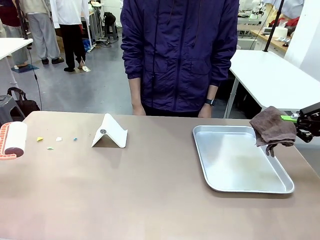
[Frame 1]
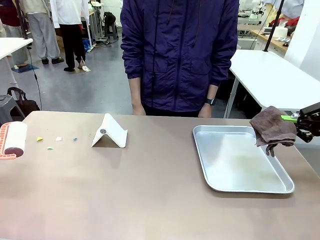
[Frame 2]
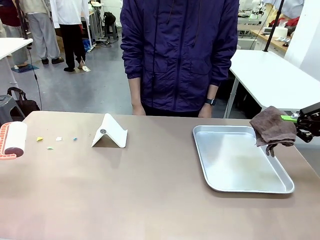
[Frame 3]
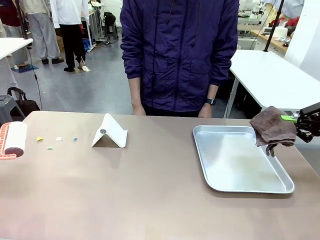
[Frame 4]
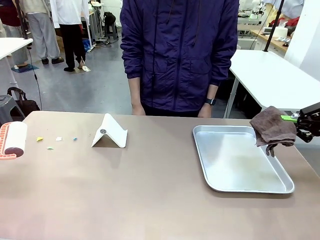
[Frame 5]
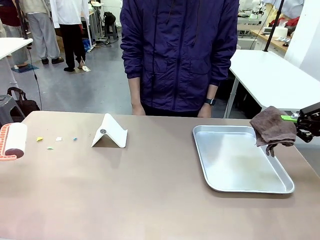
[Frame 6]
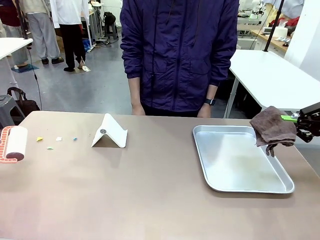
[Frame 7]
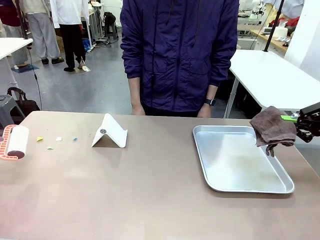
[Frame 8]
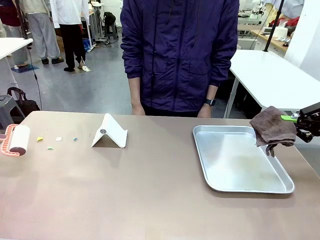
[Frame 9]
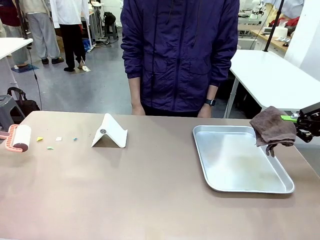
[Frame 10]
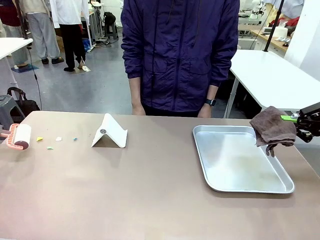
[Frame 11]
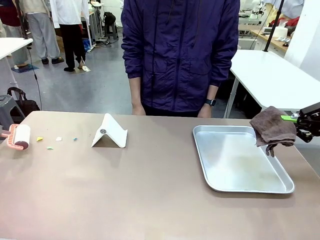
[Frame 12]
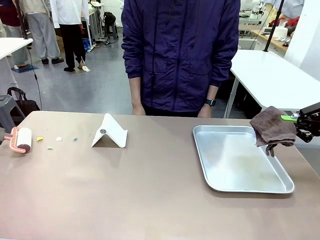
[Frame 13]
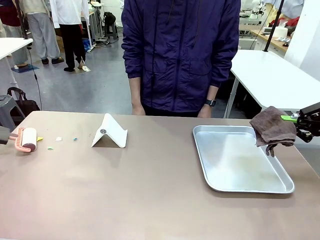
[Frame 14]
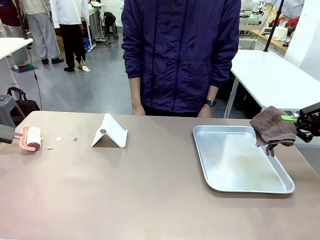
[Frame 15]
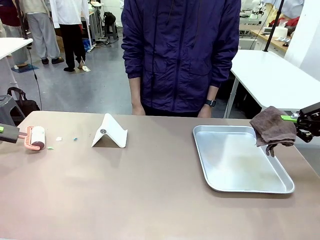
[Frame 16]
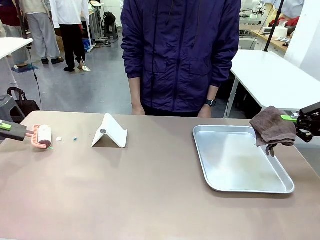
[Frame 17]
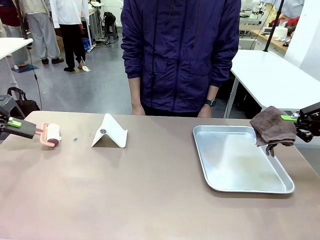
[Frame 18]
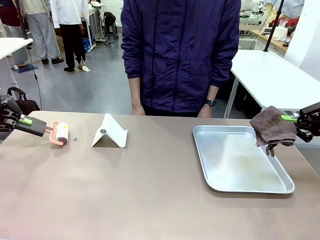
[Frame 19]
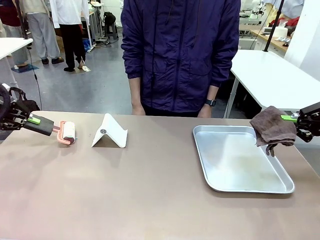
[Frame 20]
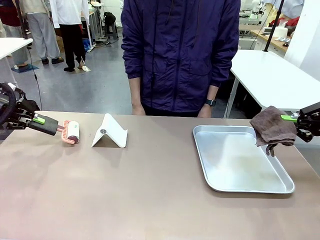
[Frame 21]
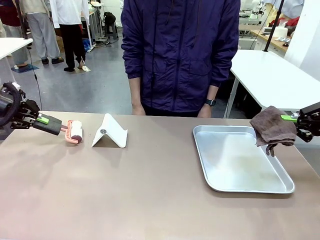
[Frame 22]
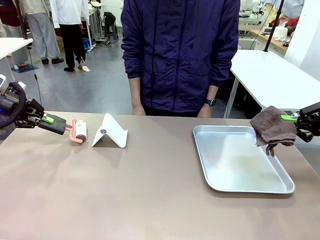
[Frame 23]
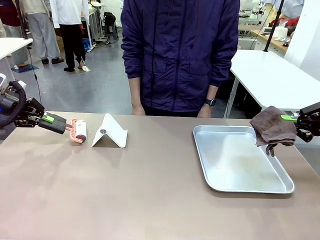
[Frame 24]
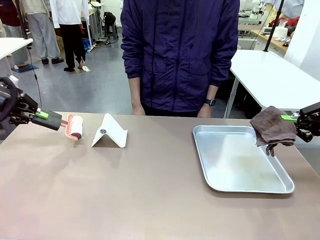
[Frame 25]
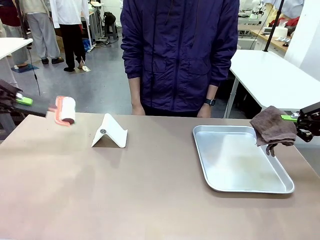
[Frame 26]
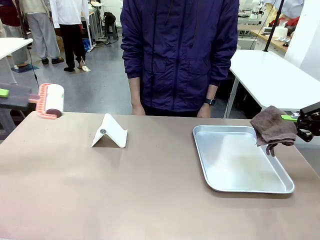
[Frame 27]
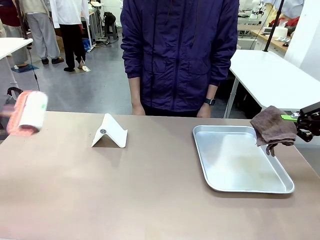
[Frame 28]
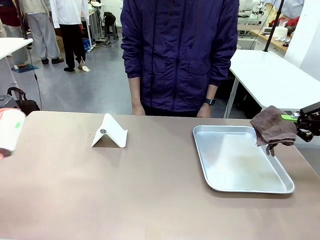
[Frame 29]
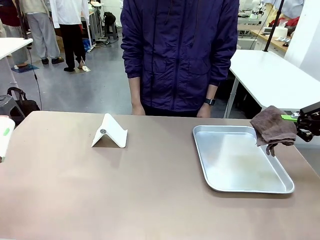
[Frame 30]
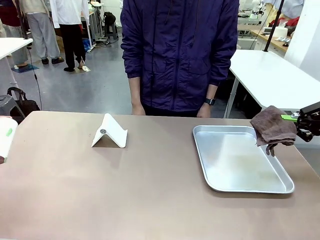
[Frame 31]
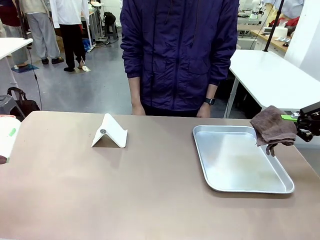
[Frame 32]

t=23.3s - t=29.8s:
Task: Clean the surface of the table.
Robot: Clean the area not pointed to by the person.

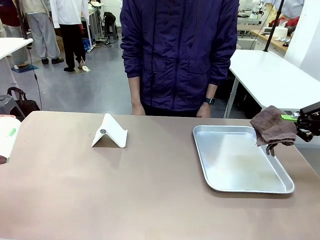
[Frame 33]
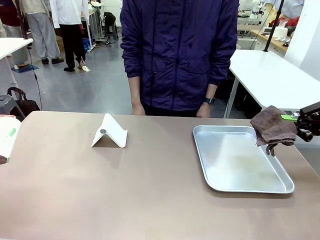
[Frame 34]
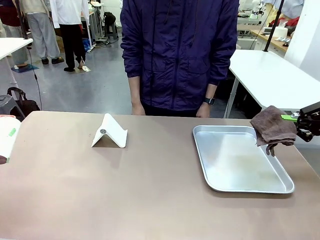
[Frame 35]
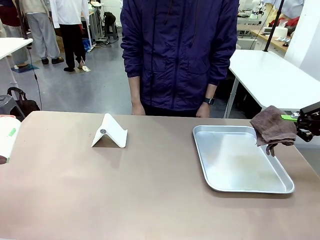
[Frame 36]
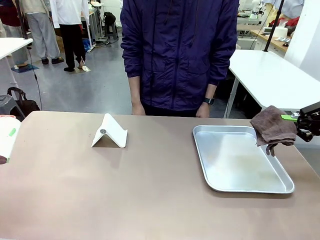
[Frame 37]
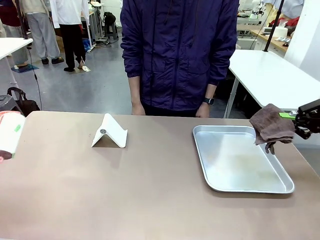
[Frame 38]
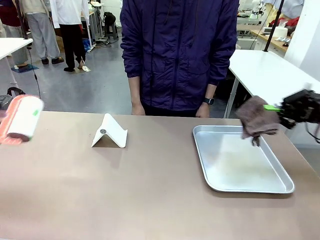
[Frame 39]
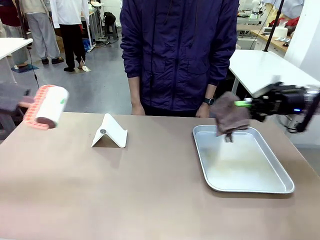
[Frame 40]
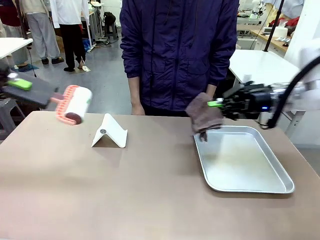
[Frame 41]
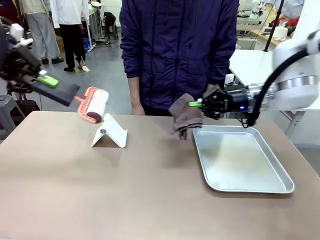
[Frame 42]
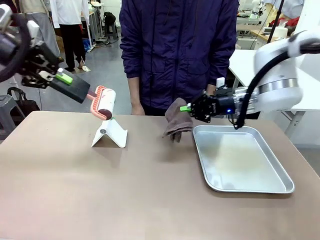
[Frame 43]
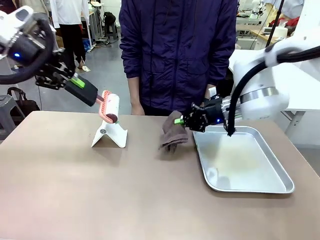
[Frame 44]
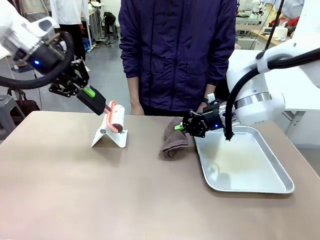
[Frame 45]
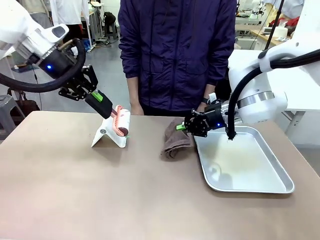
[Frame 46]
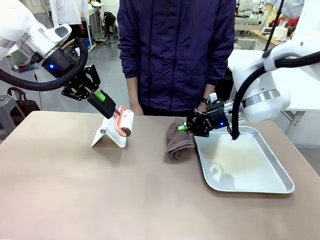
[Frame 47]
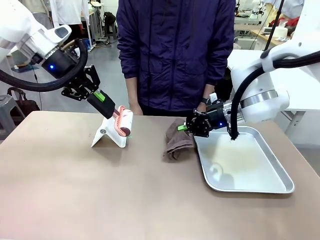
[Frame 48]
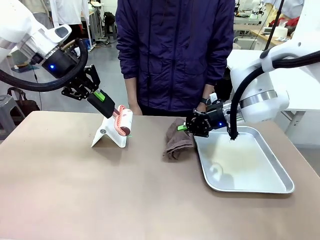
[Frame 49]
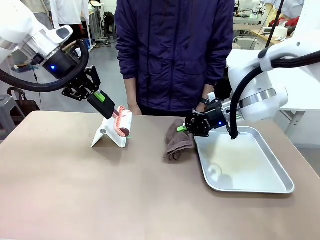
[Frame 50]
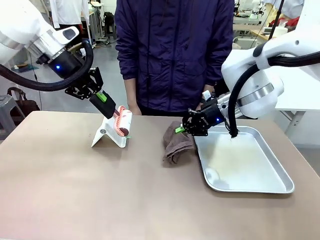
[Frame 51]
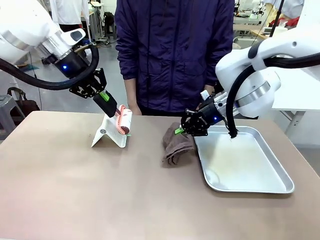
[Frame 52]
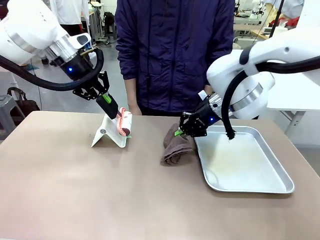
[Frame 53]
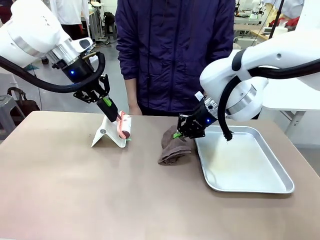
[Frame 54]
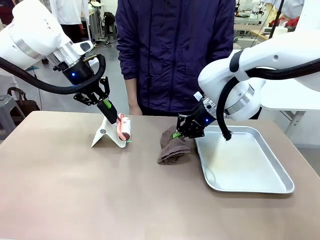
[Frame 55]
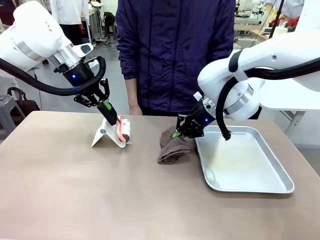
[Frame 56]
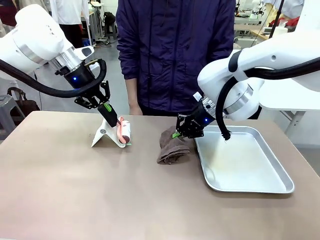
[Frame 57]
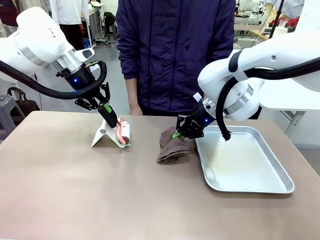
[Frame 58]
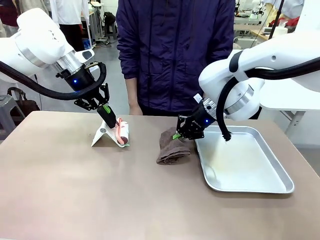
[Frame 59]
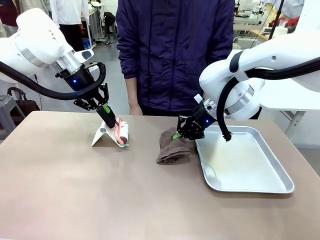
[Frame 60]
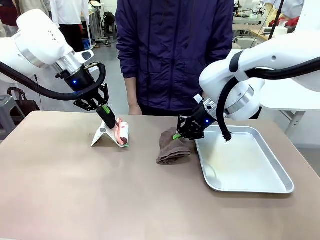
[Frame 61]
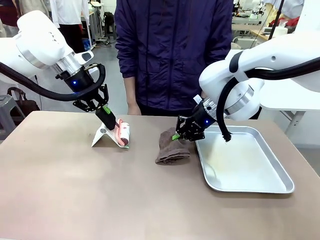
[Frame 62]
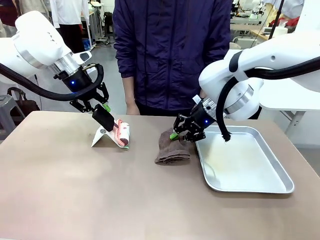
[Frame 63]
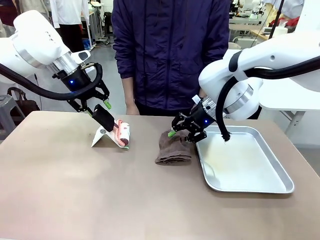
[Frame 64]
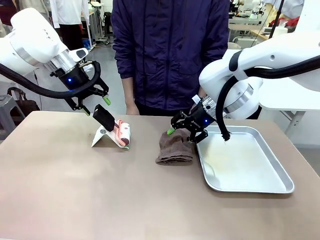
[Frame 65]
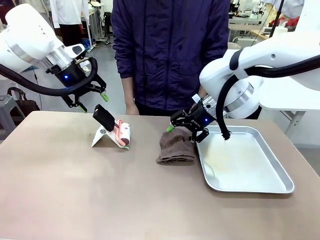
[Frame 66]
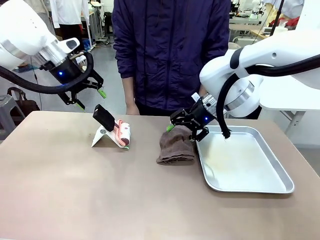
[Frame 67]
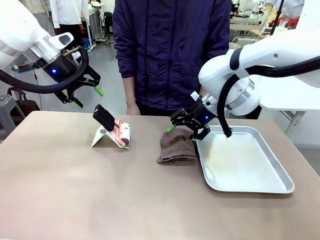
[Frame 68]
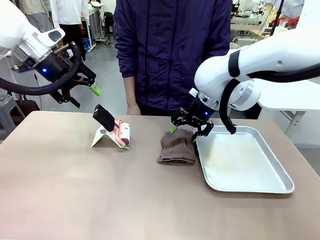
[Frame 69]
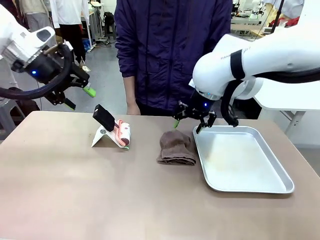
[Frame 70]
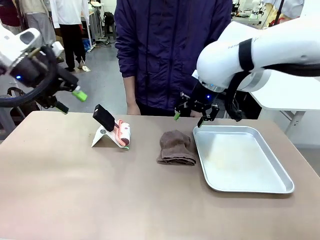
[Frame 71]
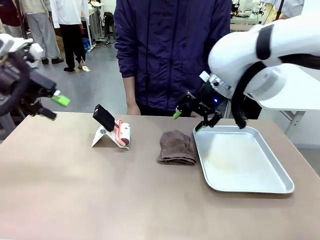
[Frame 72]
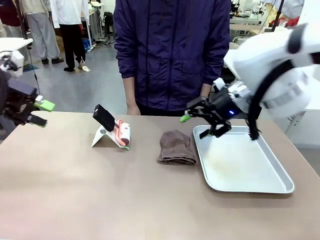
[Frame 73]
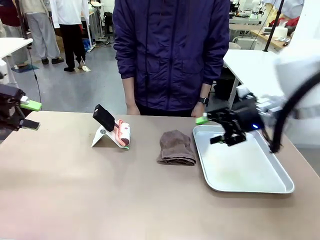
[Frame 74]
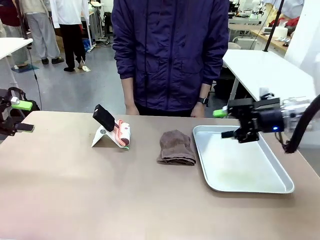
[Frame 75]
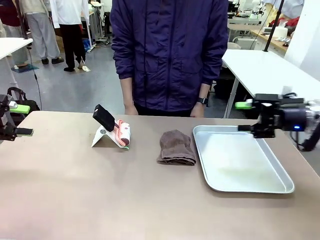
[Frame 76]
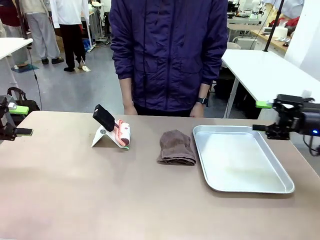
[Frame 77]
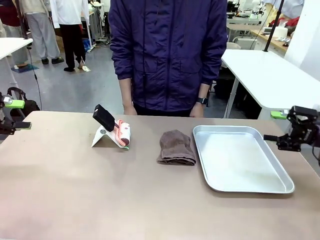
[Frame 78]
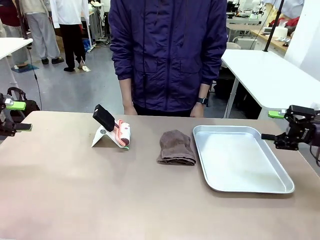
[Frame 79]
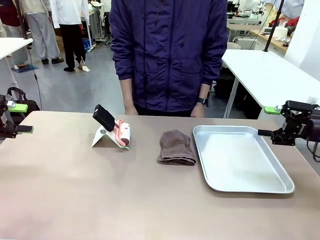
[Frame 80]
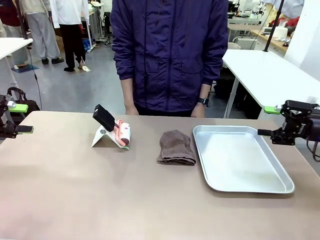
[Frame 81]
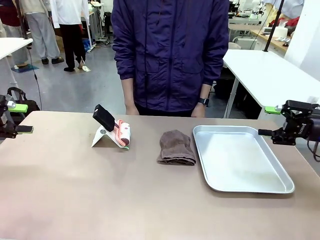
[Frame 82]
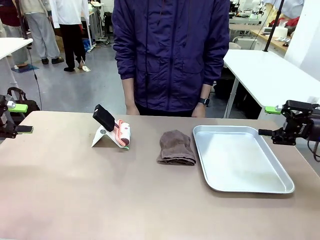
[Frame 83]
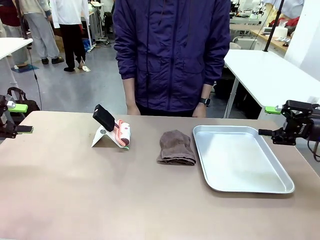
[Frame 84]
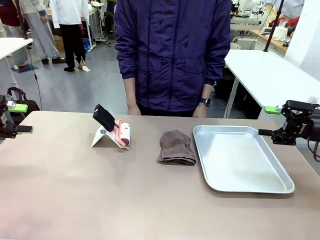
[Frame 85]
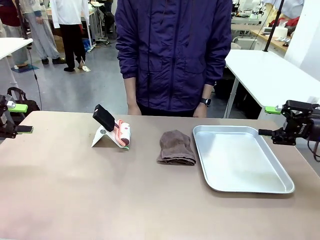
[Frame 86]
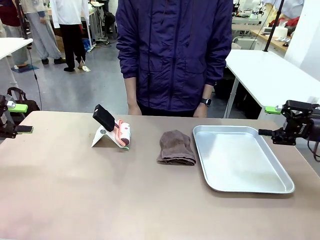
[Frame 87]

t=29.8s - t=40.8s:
Robot: Return the Lint Roller and towel to their original positions.
